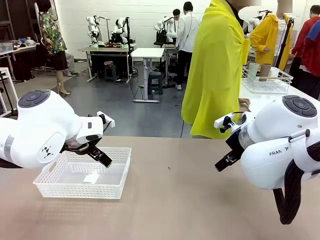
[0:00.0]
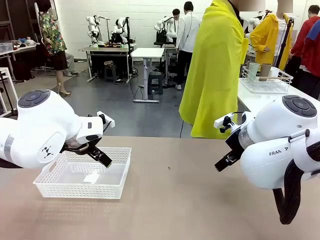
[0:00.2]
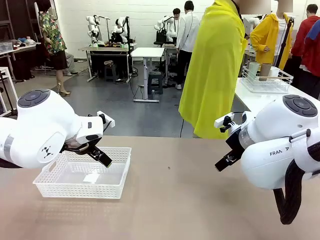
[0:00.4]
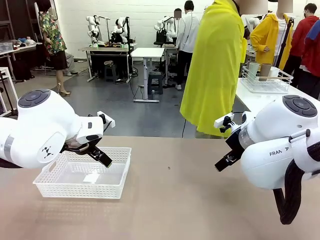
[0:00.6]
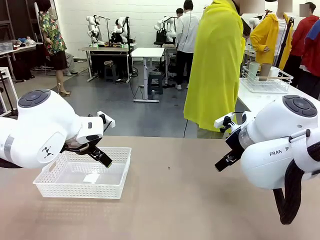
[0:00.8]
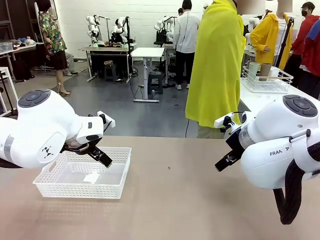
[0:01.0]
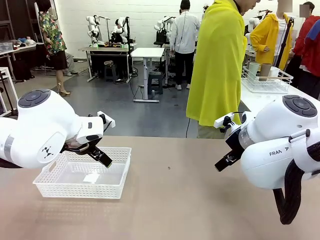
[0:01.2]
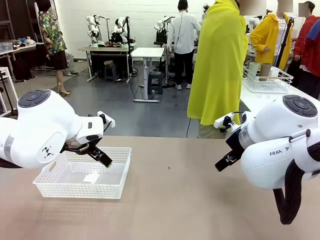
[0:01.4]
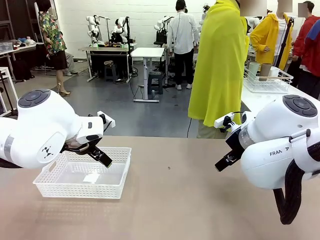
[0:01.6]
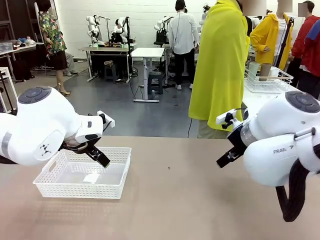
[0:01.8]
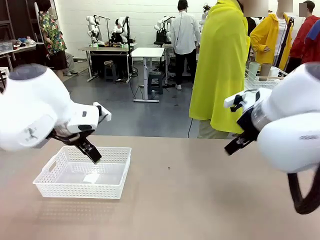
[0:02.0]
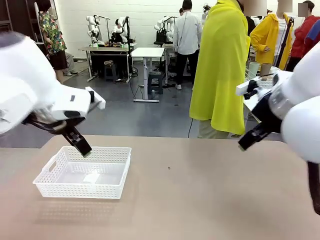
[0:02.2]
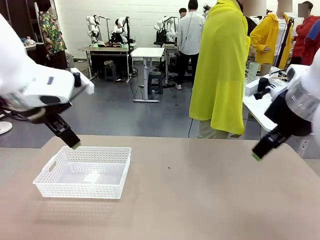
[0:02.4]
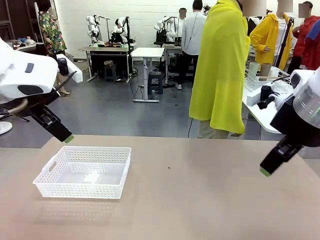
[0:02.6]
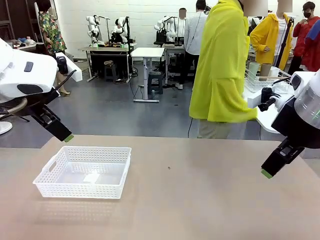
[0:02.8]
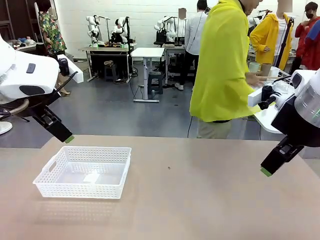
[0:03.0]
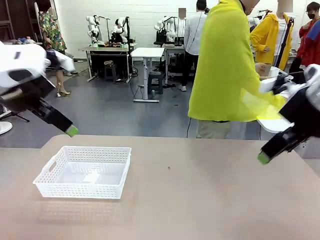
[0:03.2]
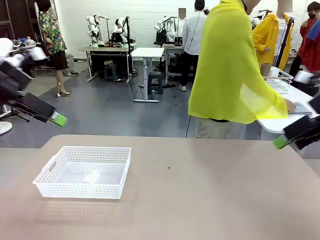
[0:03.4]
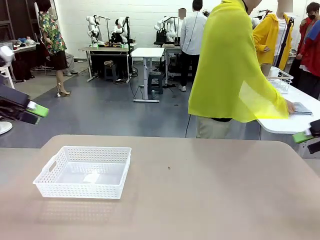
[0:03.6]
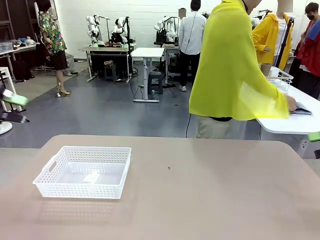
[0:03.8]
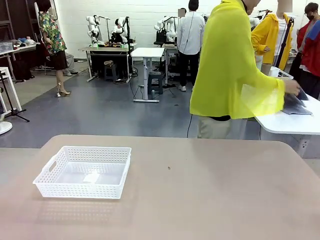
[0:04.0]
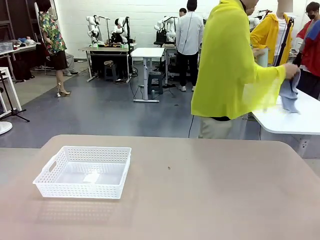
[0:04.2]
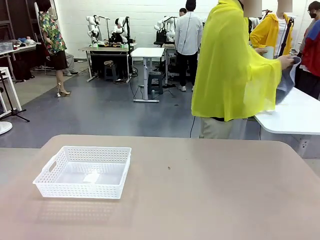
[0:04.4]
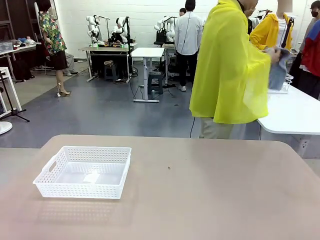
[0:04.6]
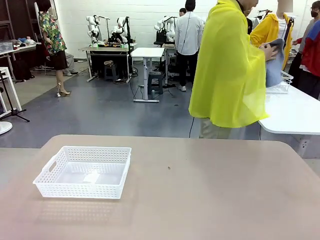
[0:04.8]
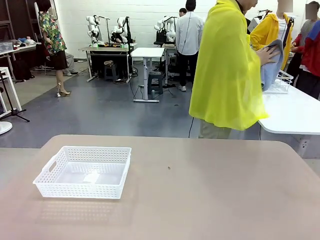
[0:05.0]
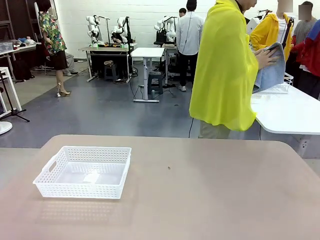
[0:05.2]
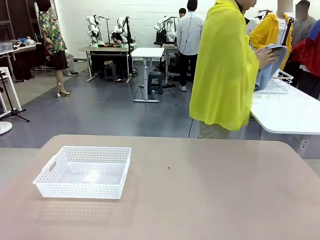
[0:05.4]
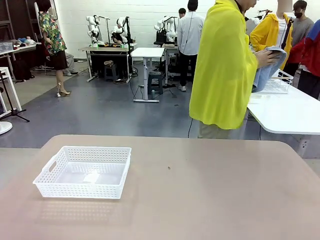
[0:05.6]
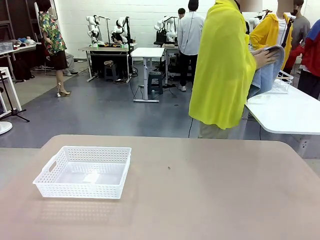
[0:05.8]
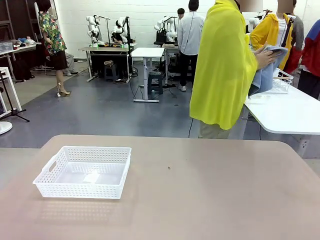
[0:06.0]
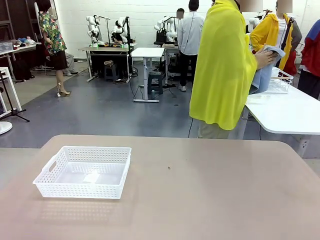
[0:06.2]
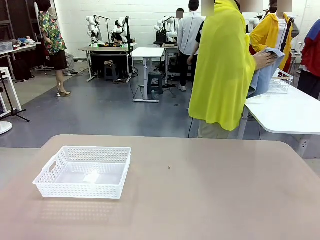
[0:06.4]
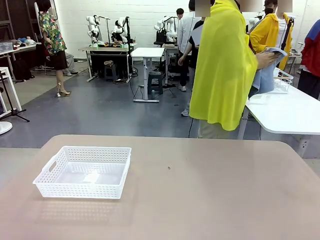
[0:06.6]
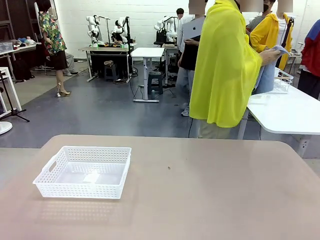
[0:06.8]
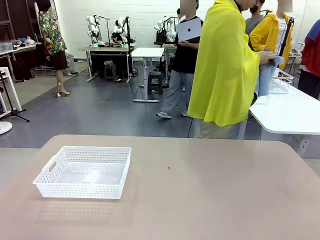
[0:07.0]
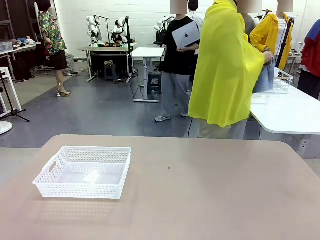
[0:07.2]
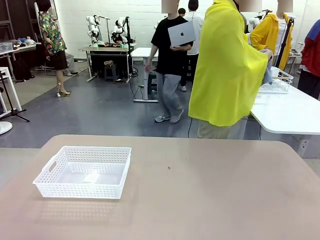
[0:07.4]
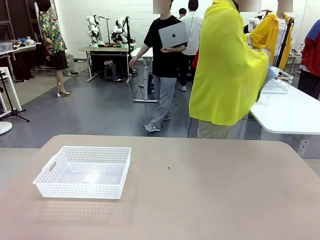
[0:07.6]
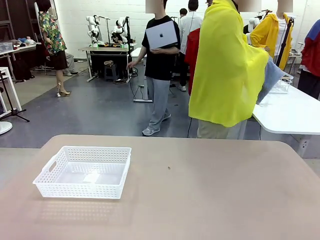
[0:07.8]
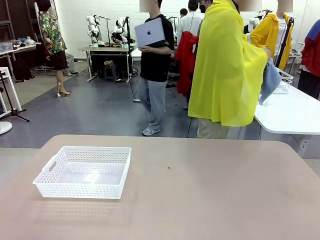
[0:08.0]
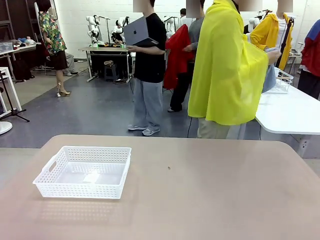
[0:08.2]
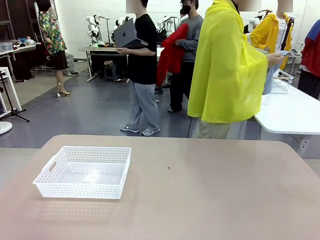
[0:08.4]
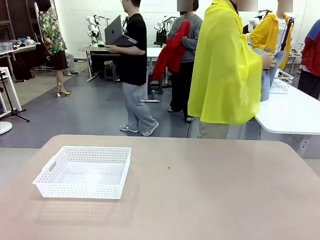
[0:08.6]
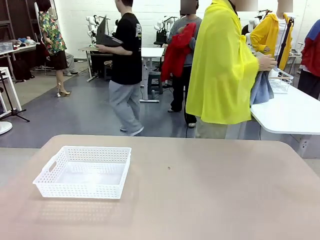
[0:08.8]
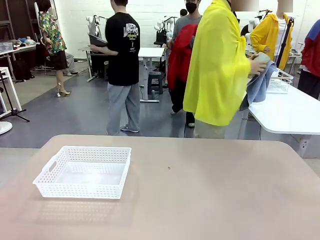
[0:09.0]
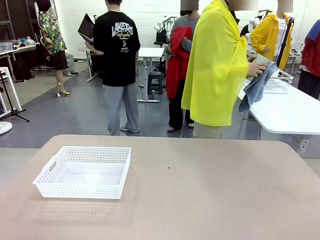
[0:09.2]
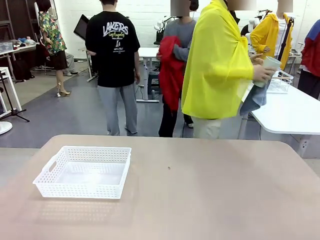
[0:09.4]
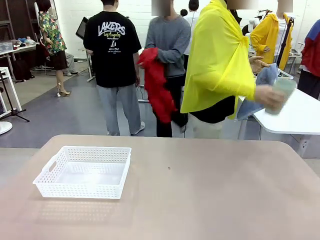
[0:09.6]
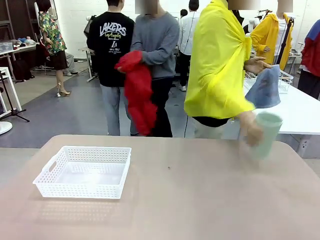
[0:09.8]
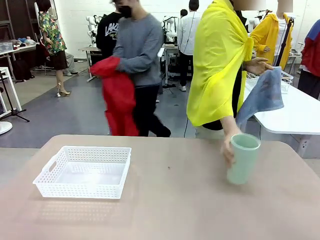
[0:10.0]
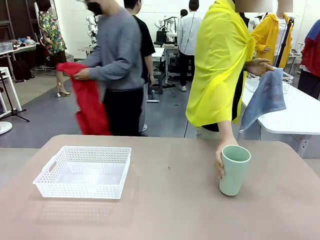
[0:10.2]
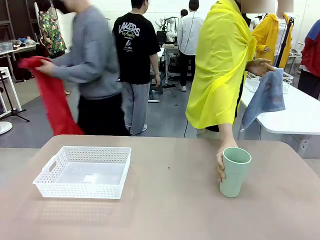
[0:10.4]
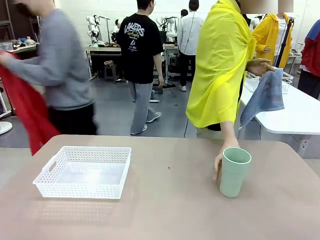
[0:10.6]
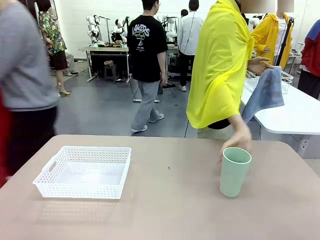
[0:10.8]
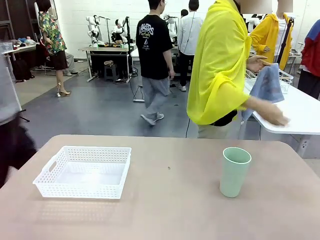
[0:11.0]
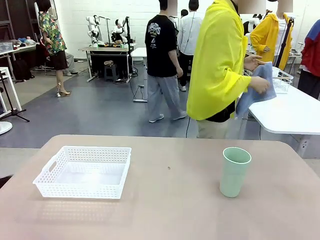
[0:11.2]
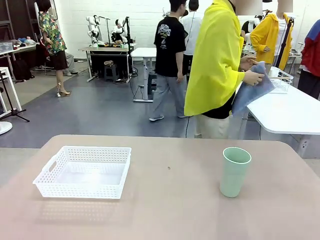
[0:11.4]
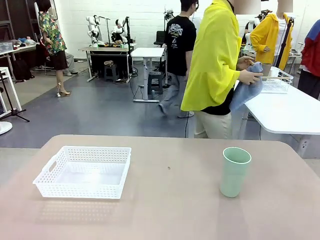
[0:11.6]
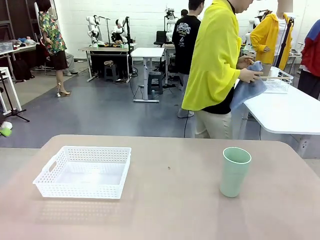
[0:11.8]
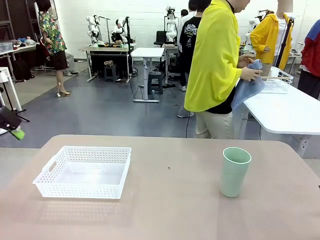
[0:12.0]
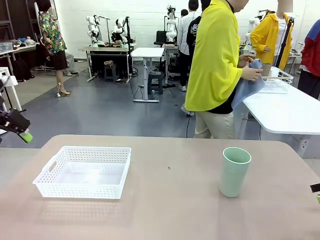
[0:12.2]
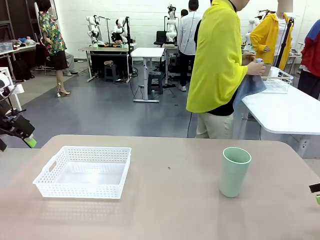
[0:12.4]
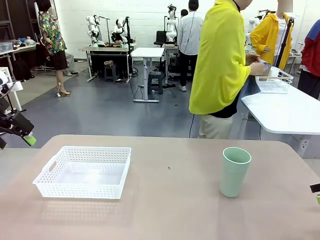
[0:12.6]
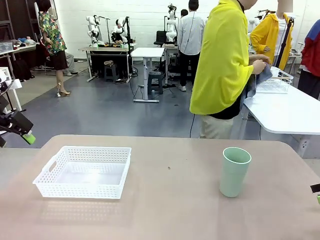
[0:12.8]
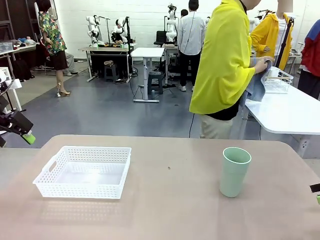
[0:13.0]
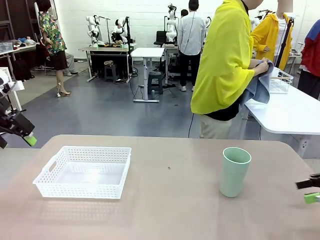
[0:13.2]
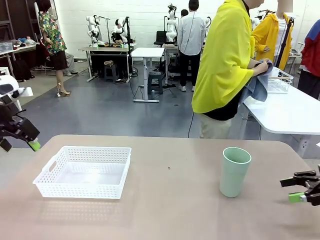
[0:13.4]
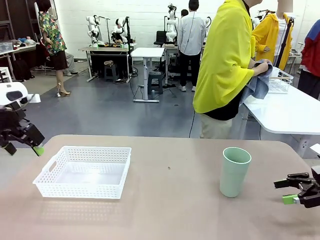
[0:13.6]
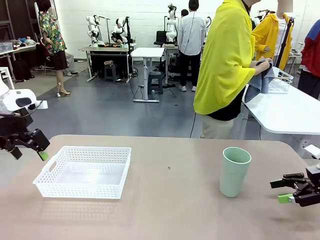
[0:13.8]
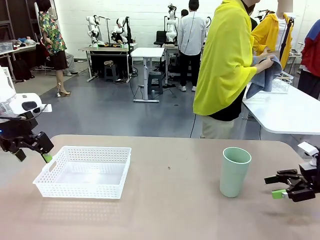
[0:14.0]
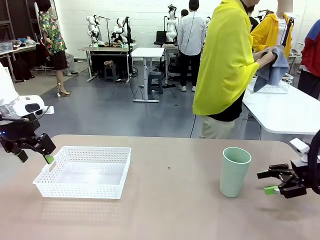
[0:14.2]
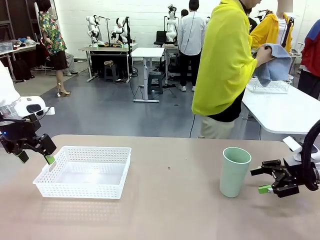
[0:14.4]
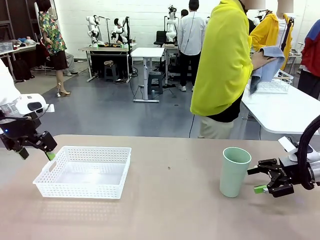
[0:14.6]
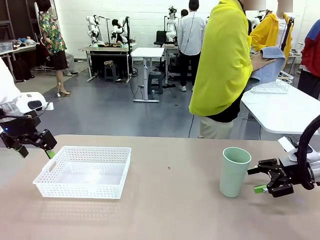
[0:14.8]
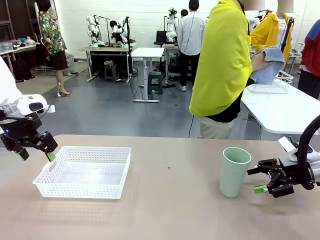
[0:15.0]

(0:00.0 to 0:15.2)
Task: Clean and organize the cups into the basket.
Robot: Pick up the Organizing basket and move it to the center of the table, then pick up the Reusable plastic cup from the right side of the table and place it inside the Organizing basket.
Person: Picks up a cup and a towel, cleans the cup with the towel, and places it on the left side of the robot table.
